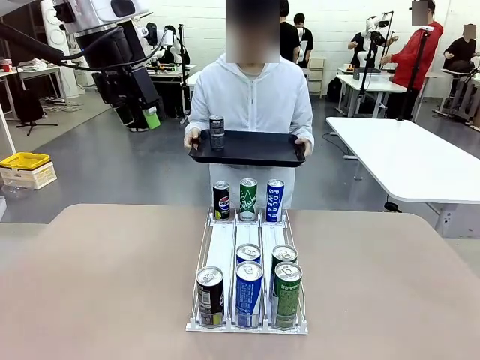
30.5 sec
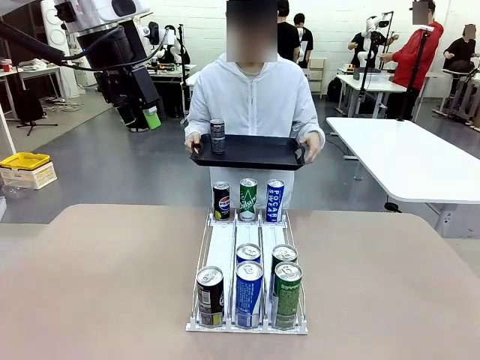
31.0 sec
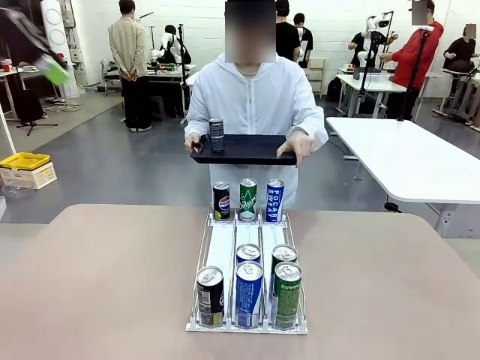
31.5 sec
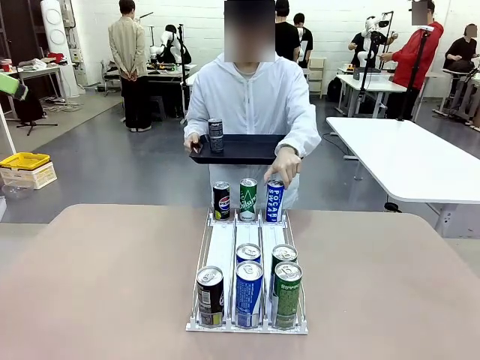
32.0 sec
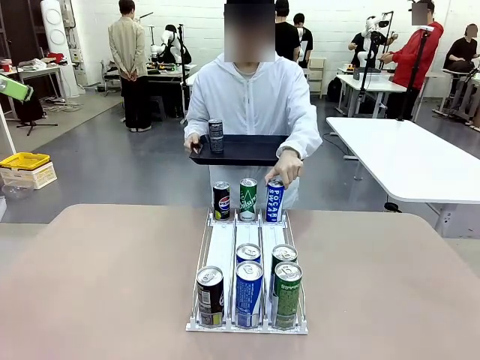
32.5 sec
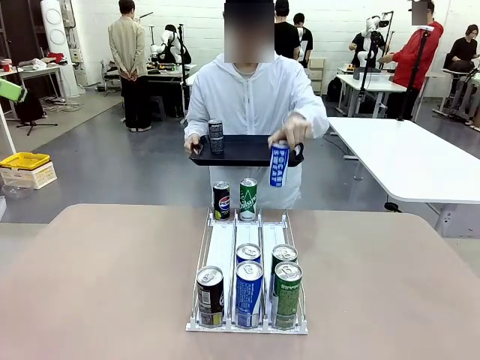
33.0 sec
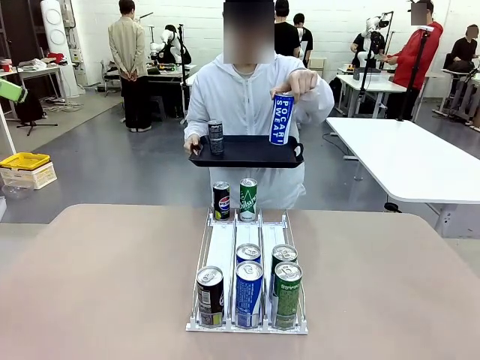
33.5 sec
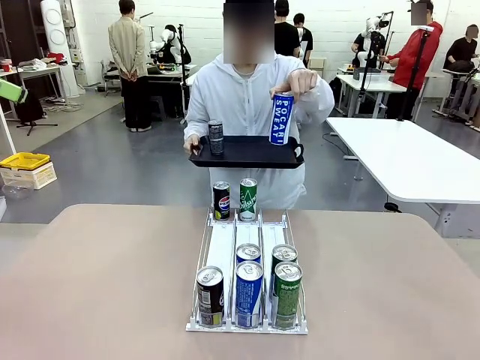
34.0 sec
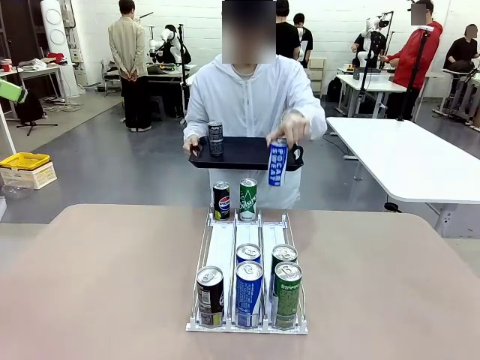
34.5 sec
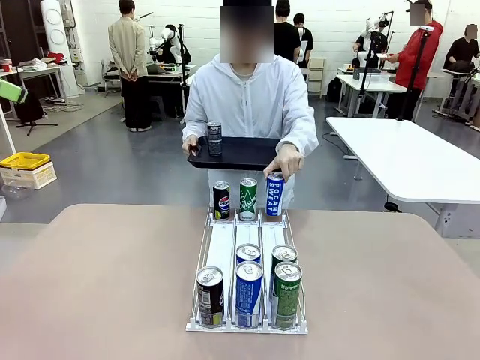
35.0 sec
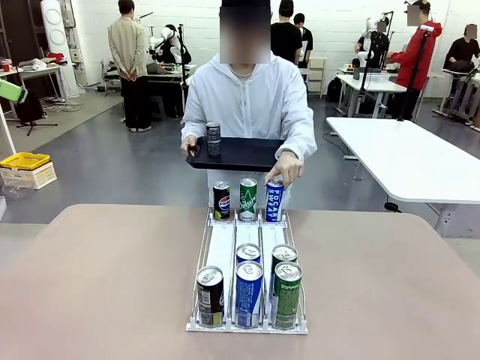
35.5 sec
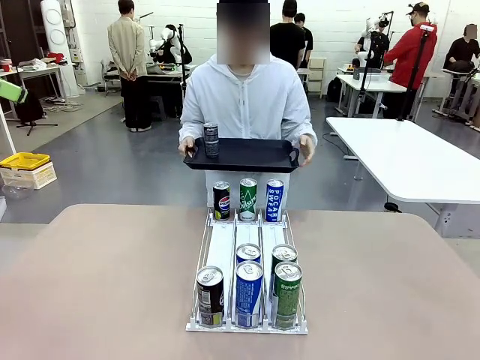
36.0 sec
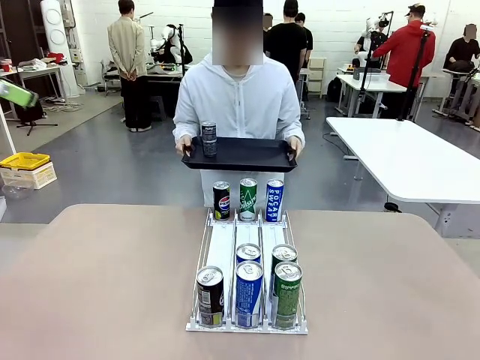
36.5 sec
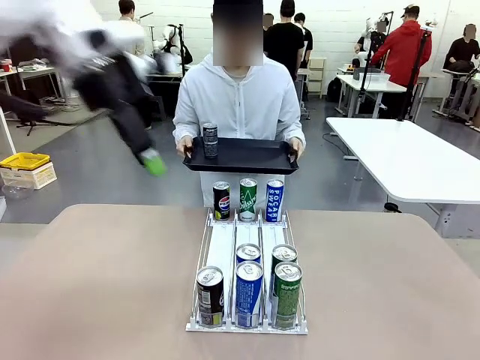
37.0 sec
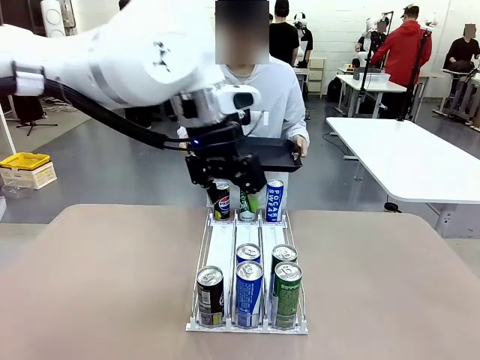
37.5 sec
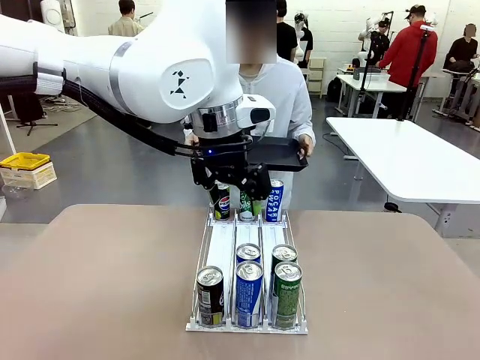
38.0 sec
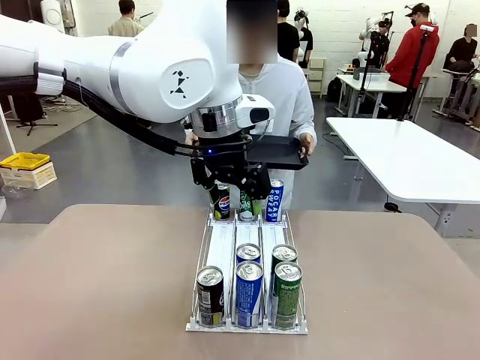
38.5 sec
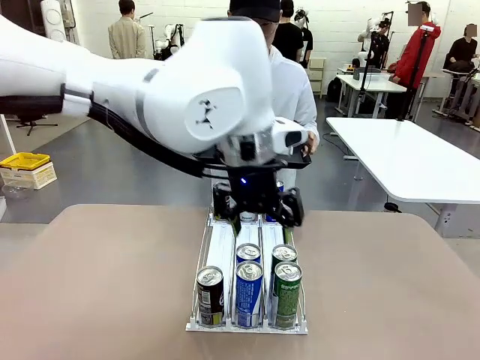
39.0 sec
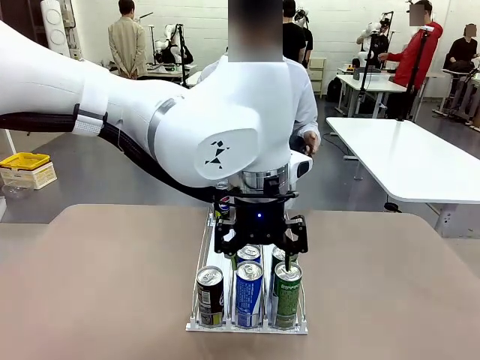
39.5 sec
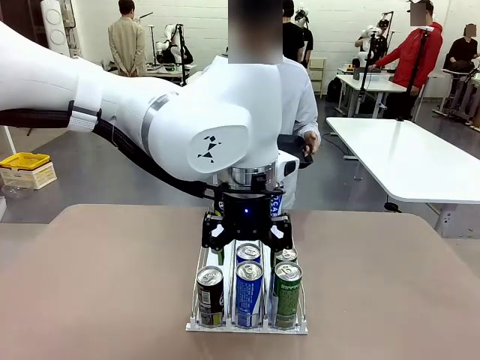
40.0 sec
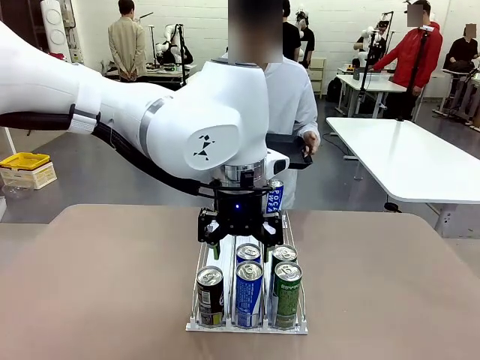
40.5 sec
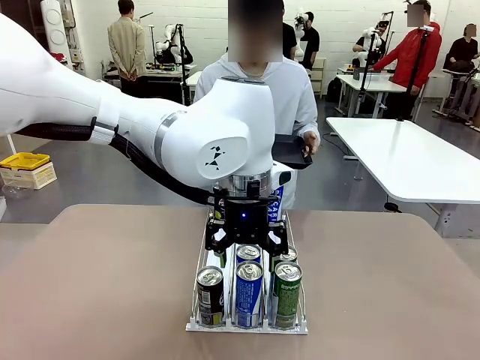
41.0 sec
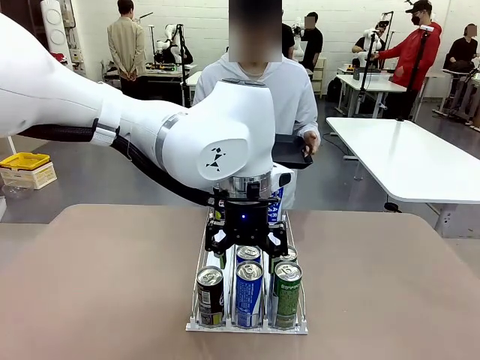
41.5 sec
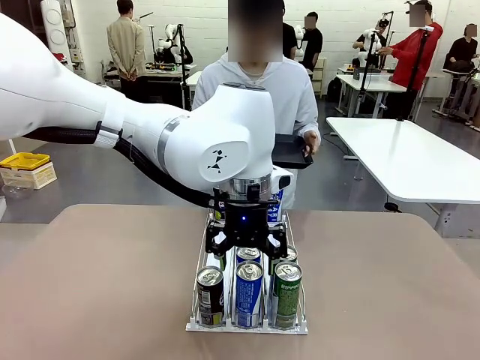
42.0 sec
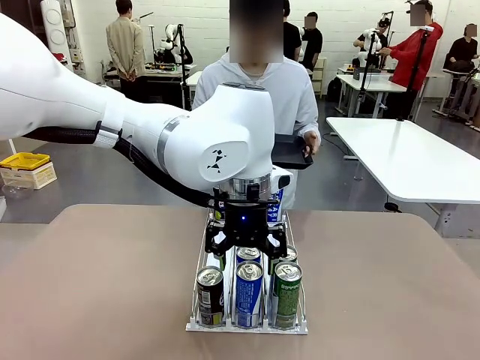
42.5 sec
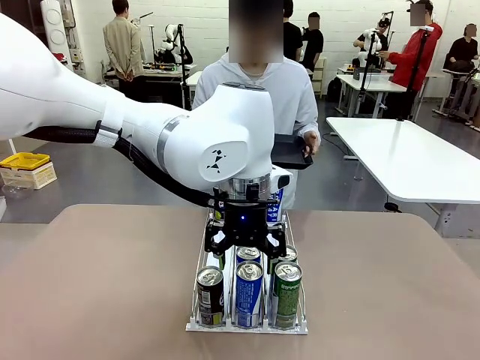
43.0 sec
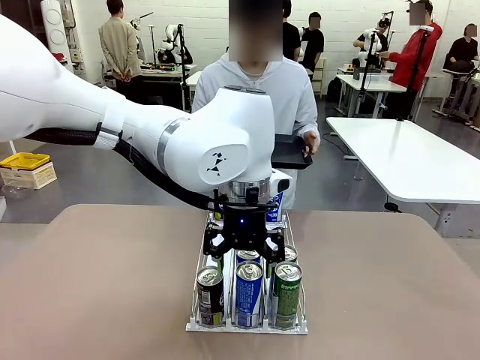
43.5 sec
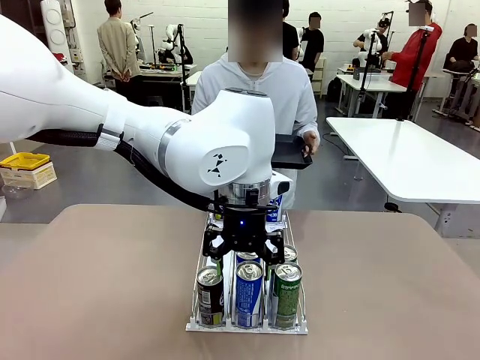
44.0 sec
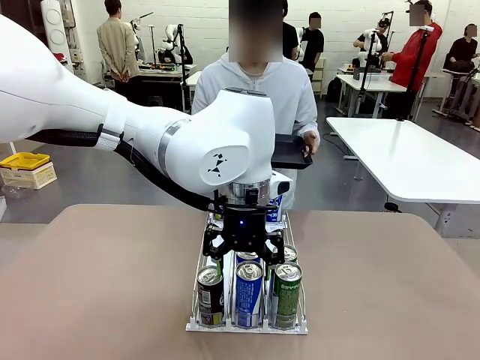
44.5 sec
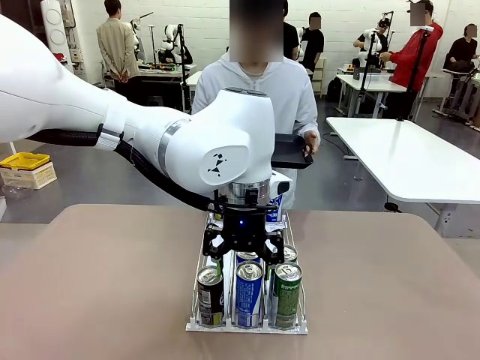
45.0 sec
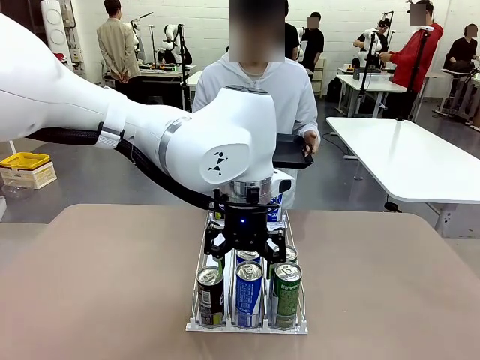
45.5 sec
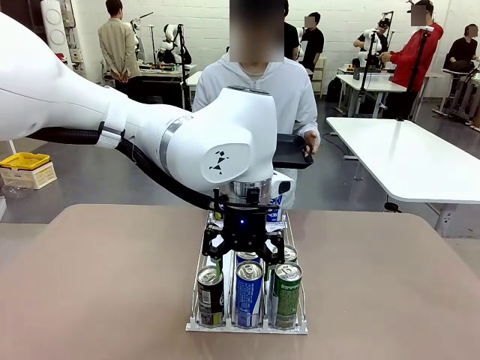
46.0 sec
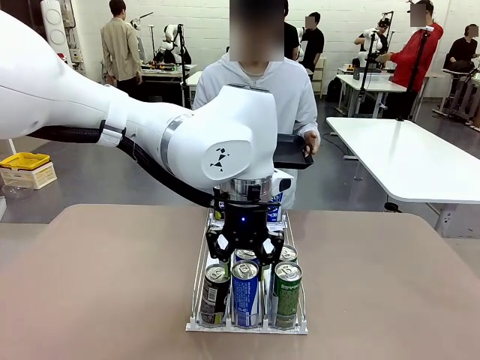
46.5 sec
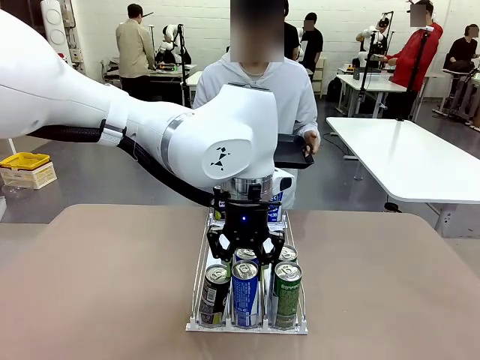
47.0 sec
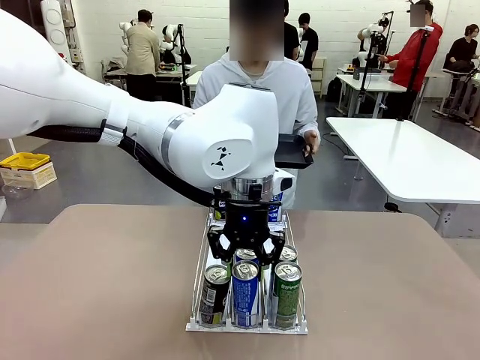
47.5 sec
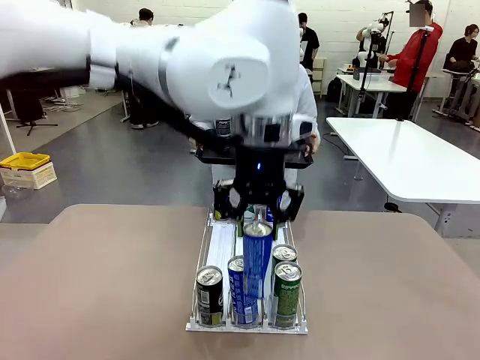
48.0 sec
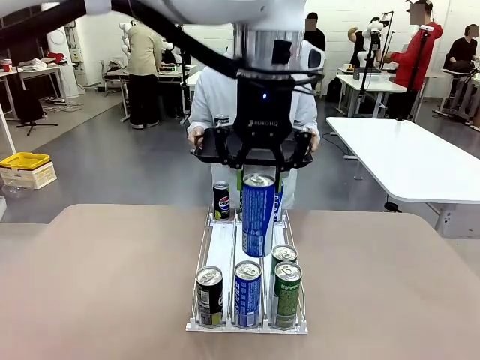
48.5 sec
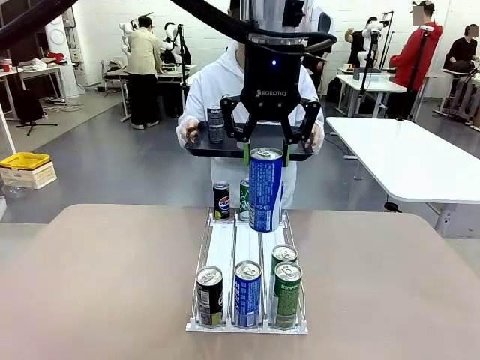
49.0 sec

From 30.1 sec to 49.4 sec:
Task: Retrieve and hand over the desired beverage to the person.
Robot: Pick up another can of the same type that the person held from the Automatic Can Dispenser.
Person: Pull the tray back, then pick up another can from the bottom area of the table and puts it back in its original place. Push the tray toward the robot again.

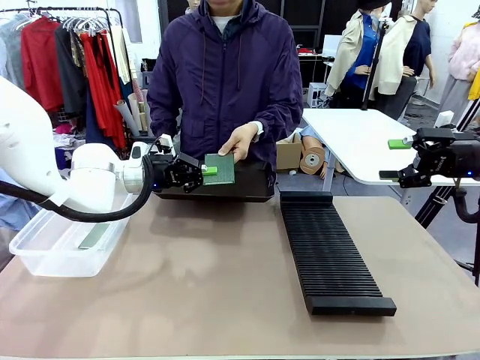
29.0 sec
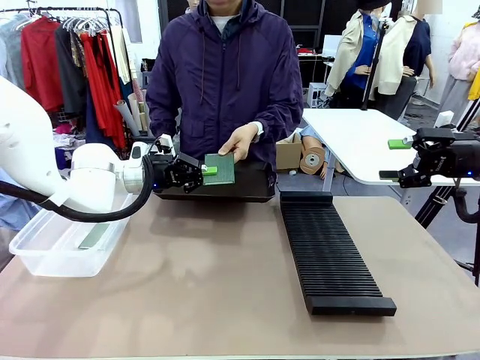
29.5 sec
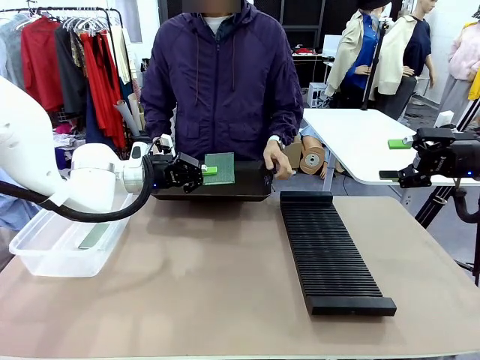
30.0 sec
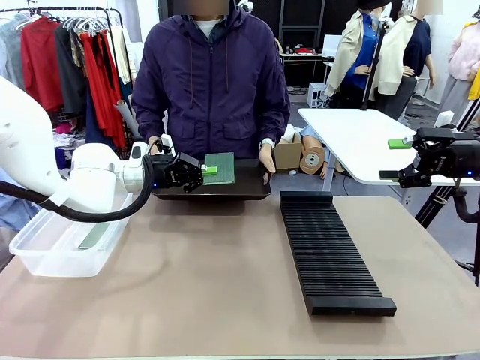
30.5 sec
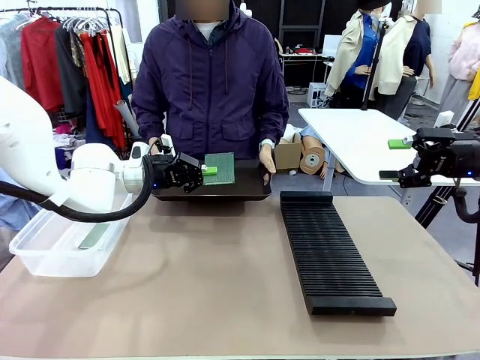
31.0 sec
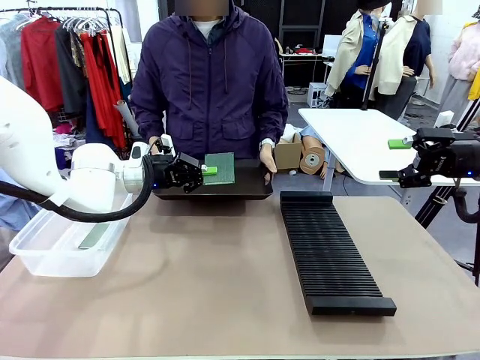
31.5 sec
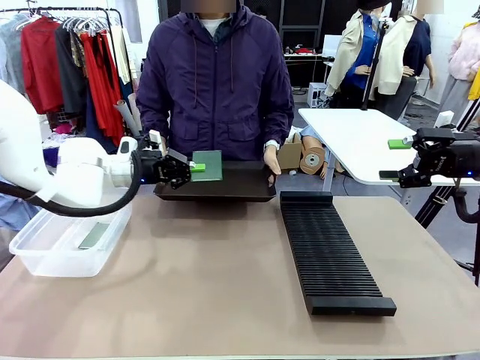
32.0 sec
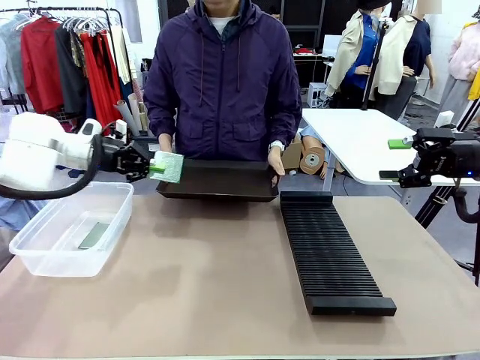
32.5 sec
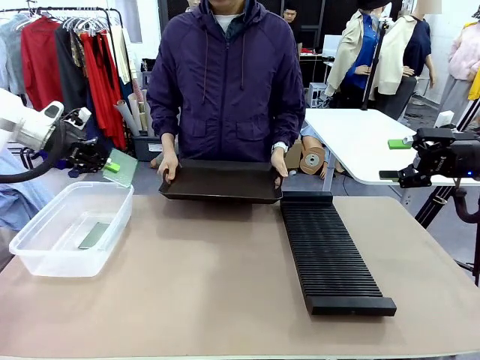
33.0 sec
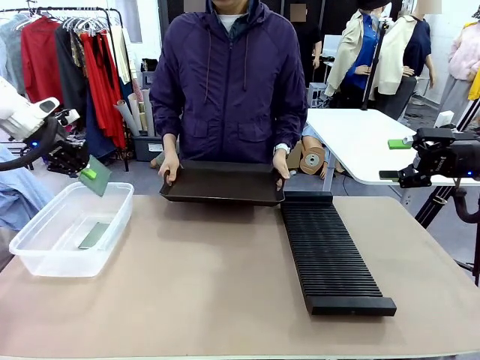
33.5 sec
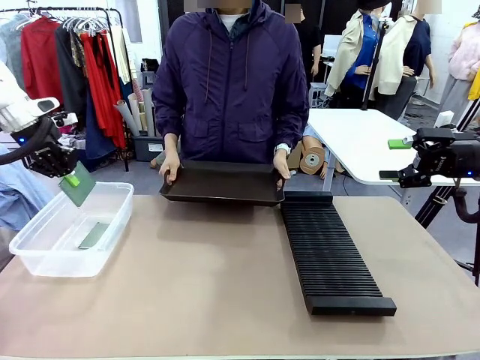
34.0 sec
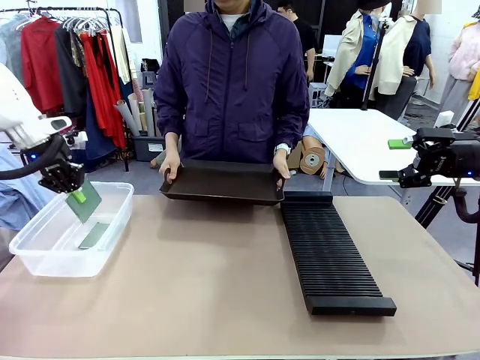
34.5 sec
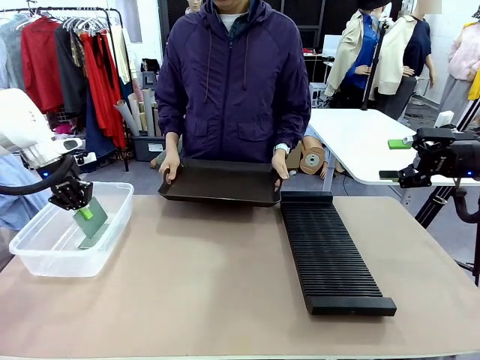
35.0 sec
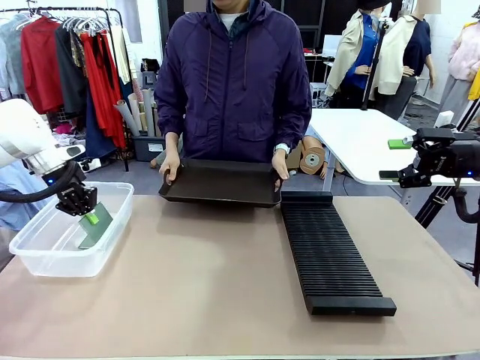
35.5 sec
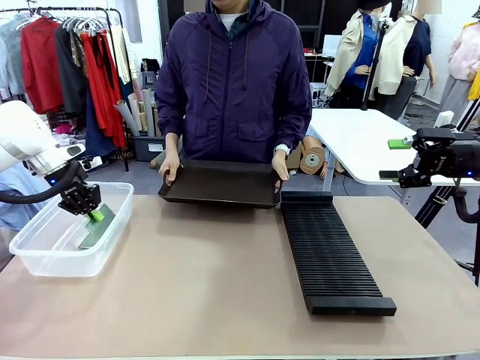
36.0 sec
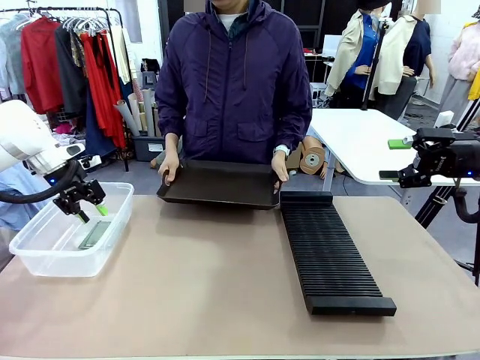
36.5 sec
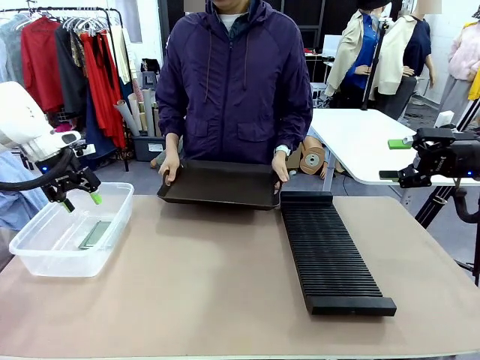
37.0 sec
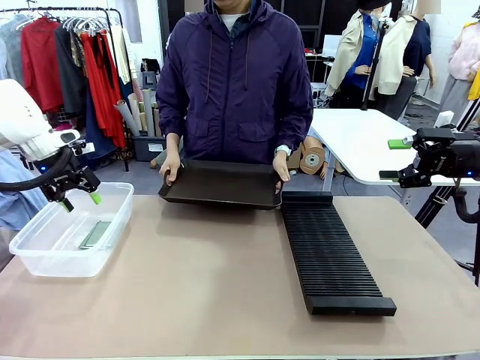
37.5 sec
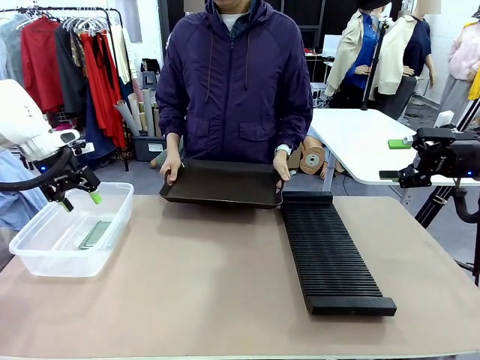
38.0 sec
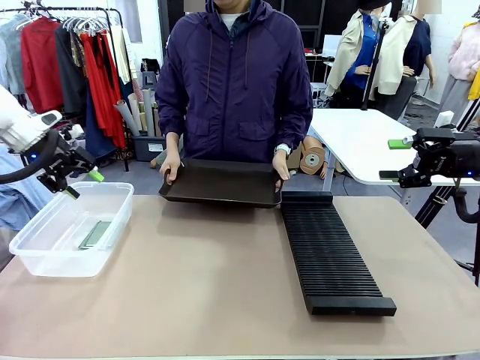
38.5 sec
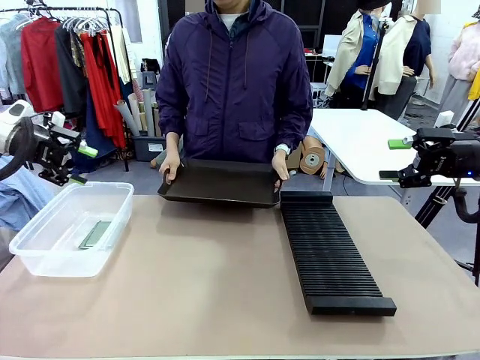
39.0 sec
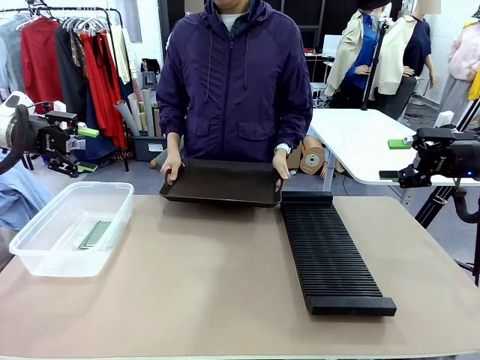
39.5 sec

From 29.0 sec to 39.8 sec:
Task: Sort PCBs into racks and boxes based on the side picked up.
Robot: If the short side of the Blank PCB is picked up, insert it into the PCB Rack ; if the long side is picked up, place it in the Organizing box.
Person: Release the PCB being held.
